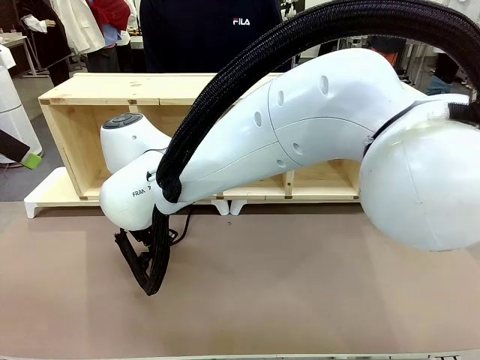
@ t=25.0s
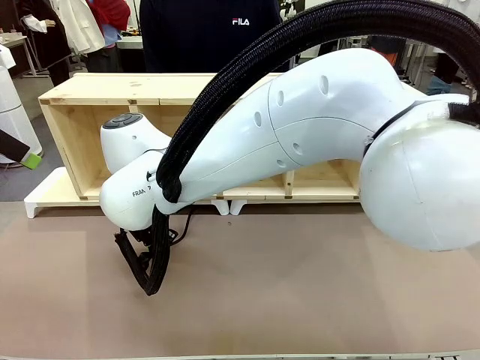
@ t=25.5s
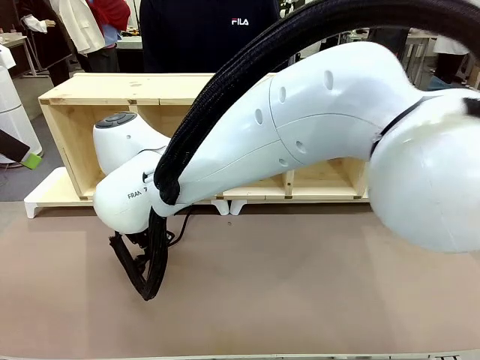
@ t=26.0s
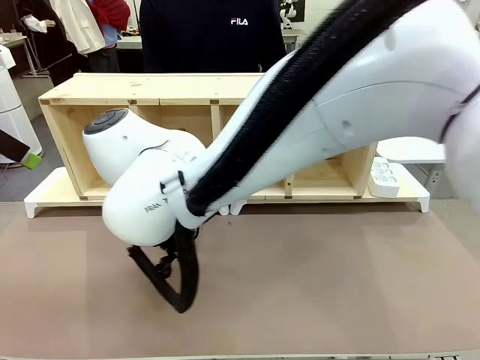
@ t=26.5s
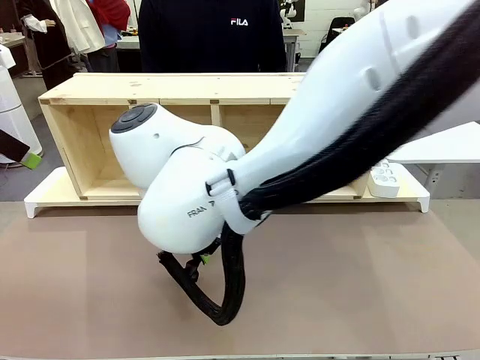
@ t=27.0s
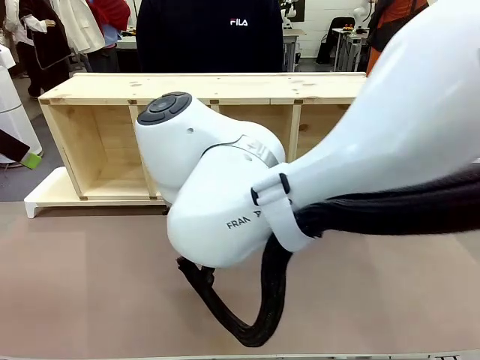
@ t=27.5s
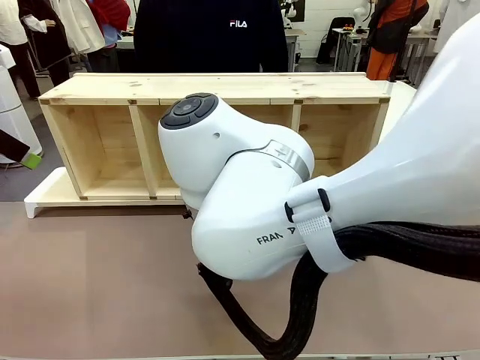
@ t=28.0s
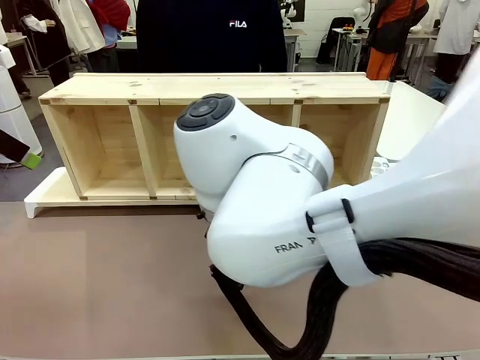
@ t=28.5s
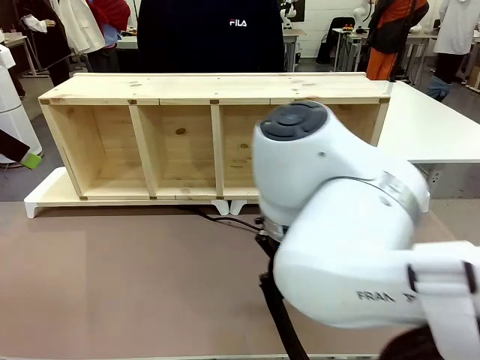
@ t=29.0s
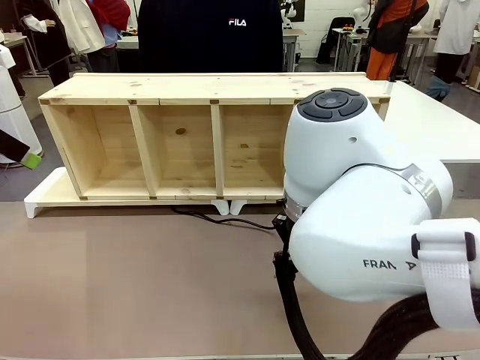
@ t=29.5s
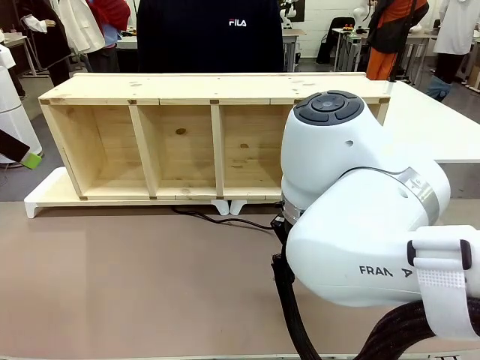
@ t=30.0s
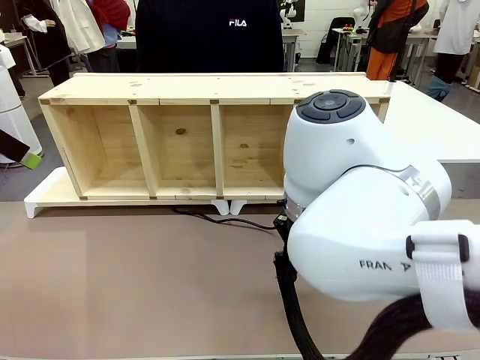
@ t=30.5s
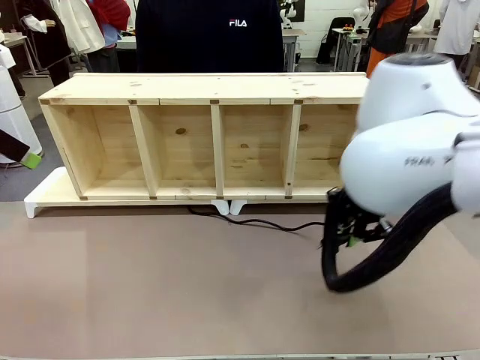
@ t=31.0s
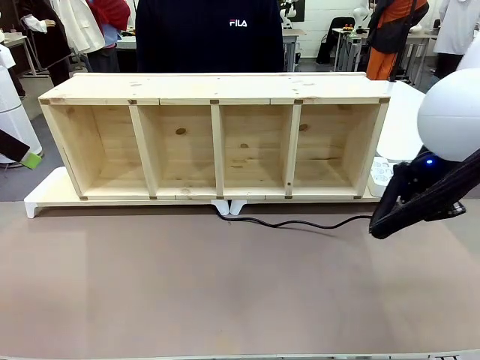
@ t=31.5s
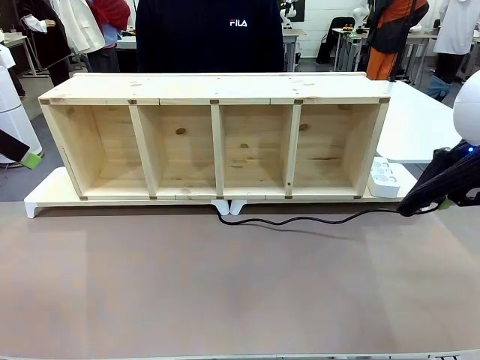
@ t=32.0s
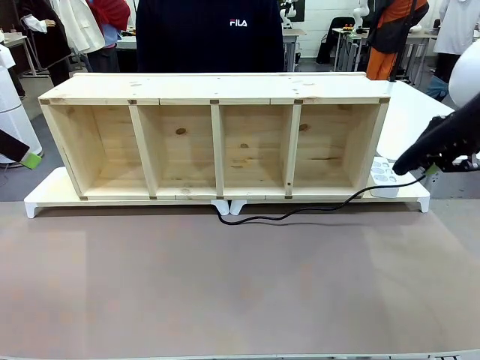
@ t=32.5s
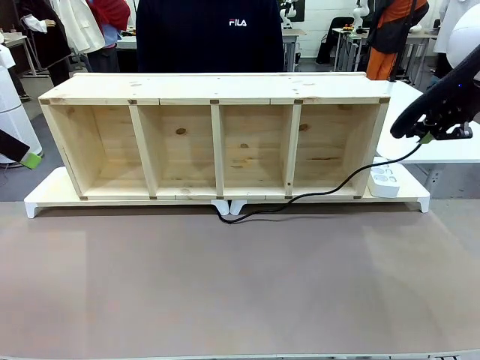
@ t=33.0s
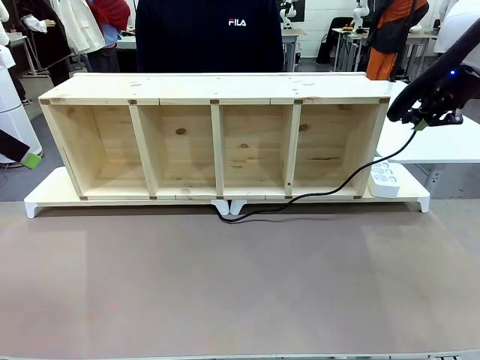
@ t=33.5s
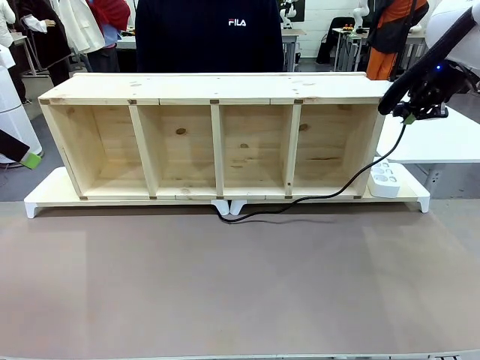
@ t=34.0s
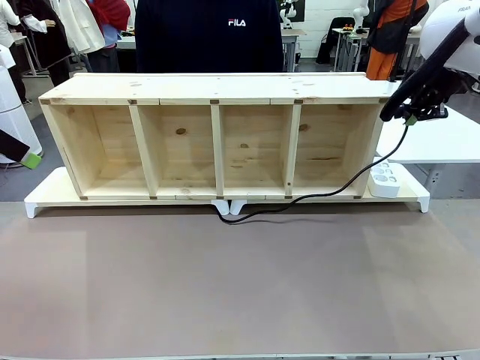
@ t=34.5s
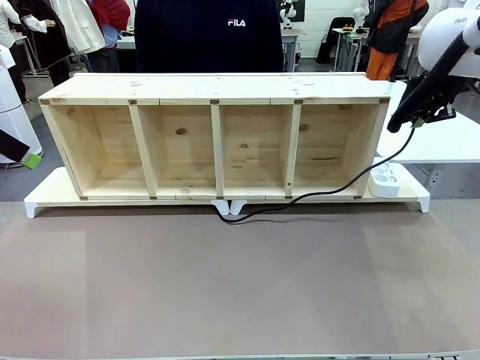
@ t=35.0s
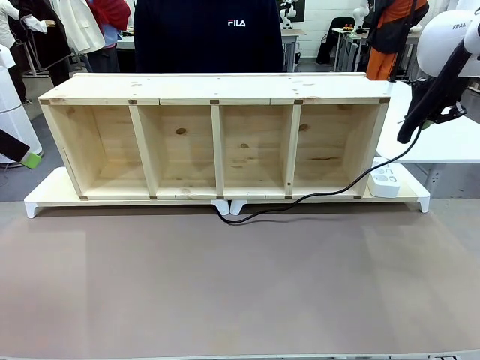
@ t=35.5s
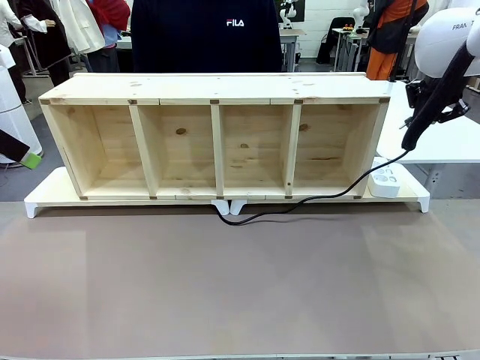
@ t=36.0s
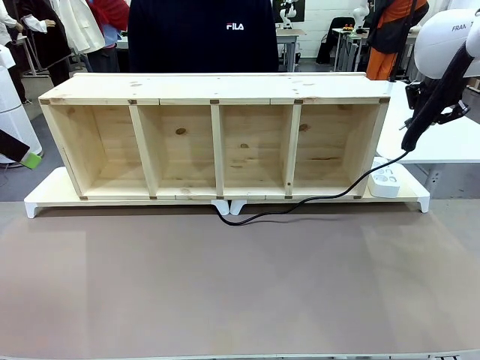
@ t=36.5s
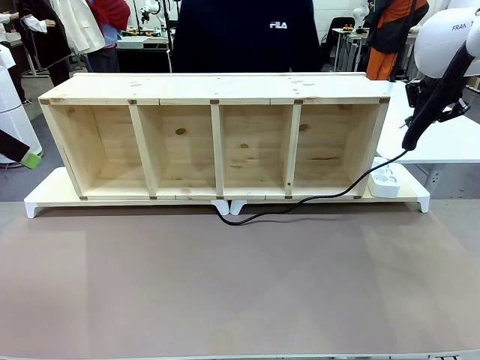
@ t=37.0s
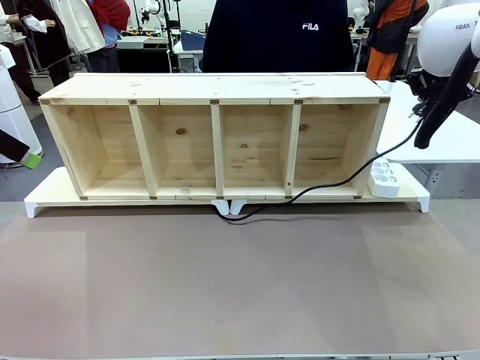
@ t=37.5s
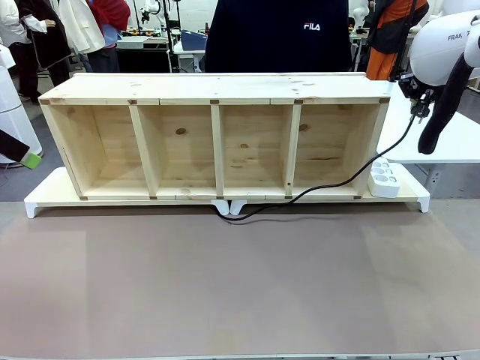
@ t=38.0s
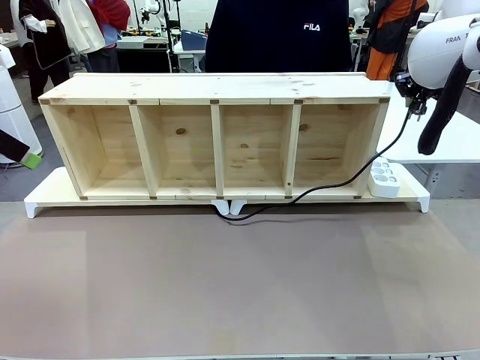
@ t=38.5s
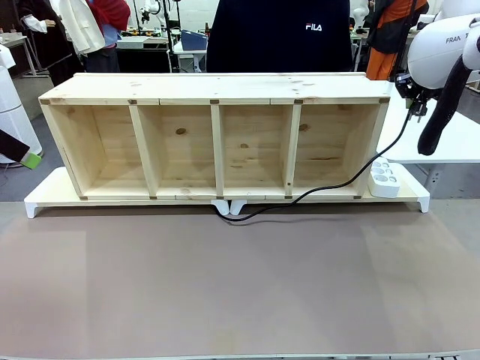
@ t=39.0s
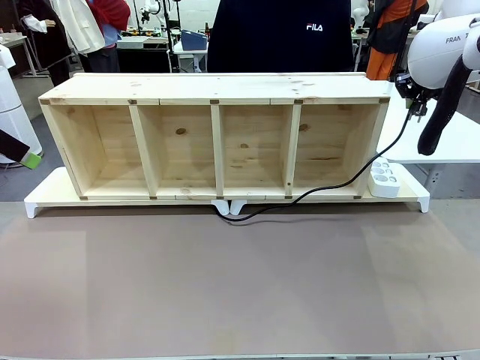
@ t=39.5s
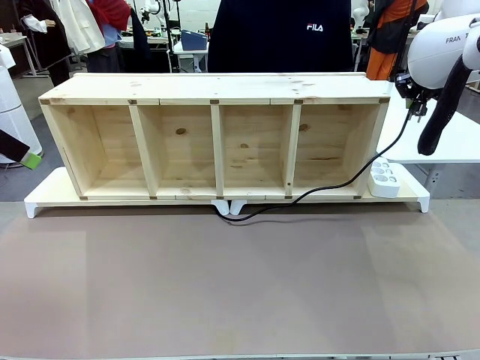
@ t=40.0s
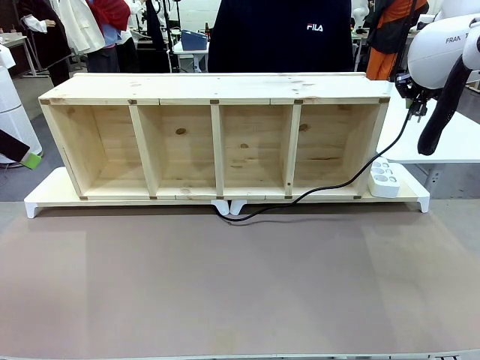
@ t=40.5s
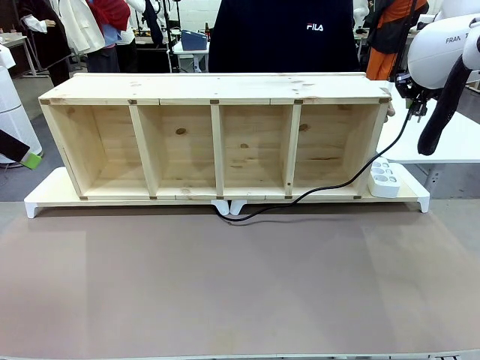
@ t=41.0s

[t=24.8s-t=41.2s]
Task: Perform cable management.
Robot: Pull the grasped Power Cable to the location of the Power Strip.

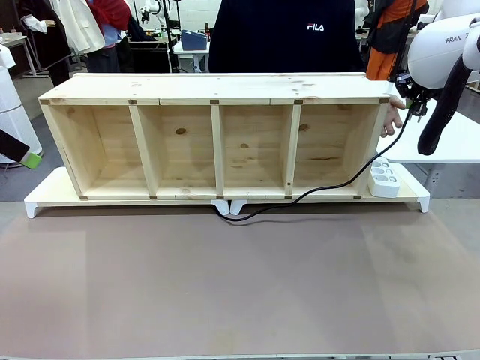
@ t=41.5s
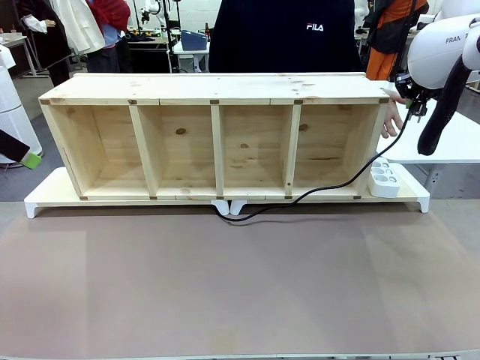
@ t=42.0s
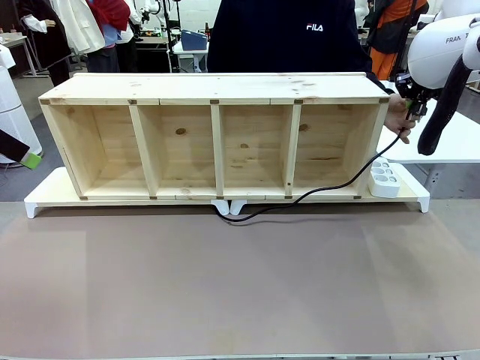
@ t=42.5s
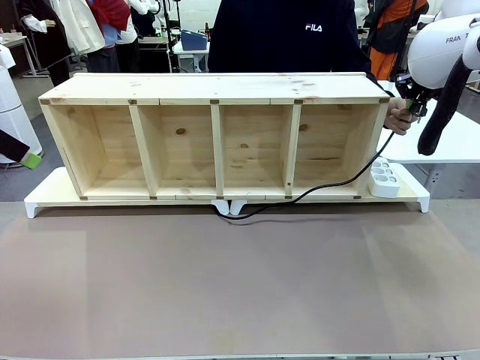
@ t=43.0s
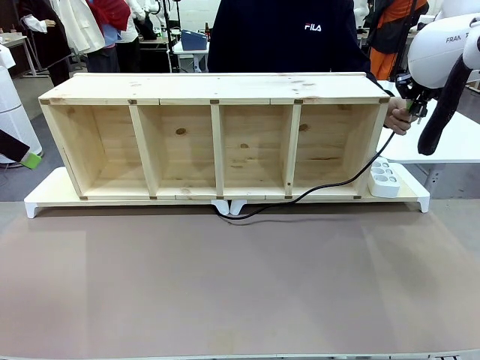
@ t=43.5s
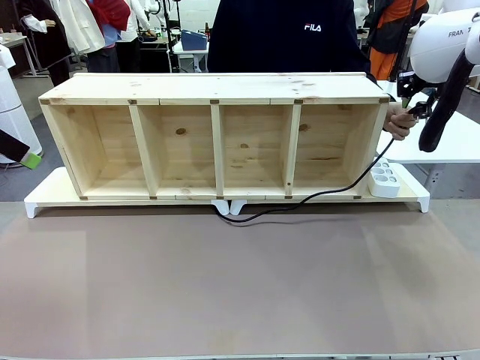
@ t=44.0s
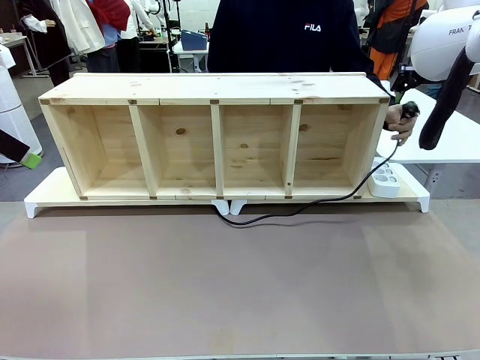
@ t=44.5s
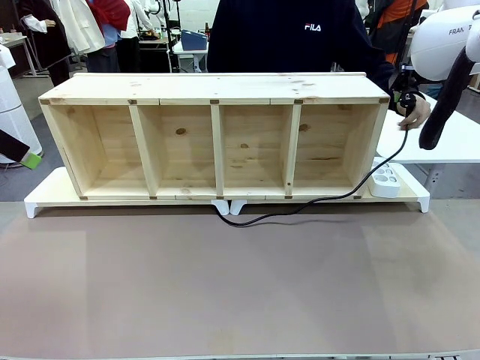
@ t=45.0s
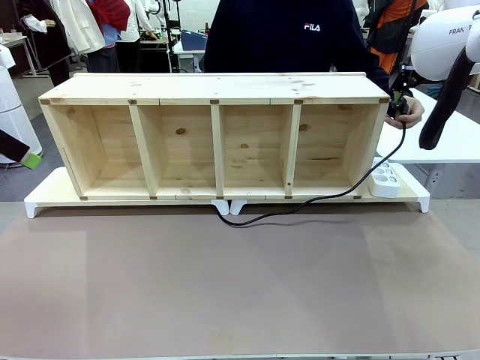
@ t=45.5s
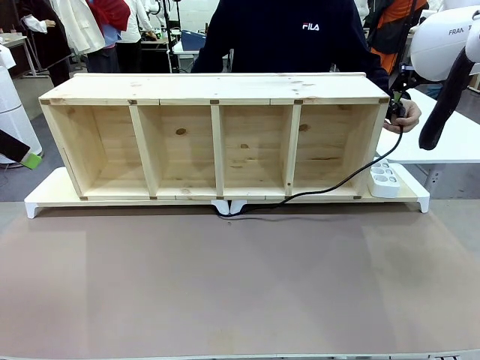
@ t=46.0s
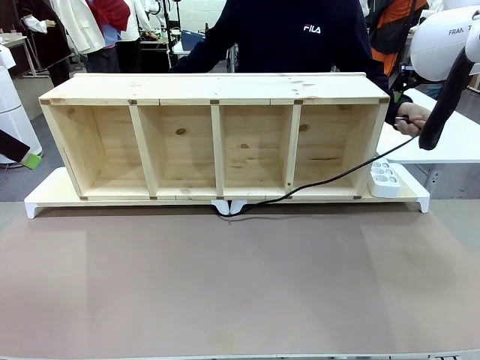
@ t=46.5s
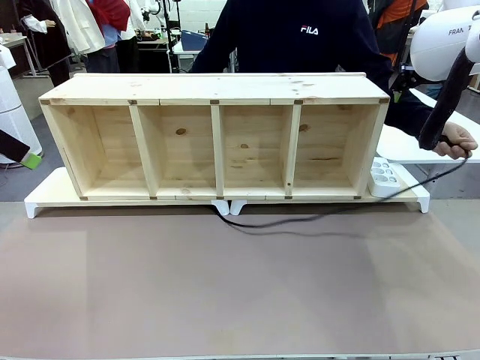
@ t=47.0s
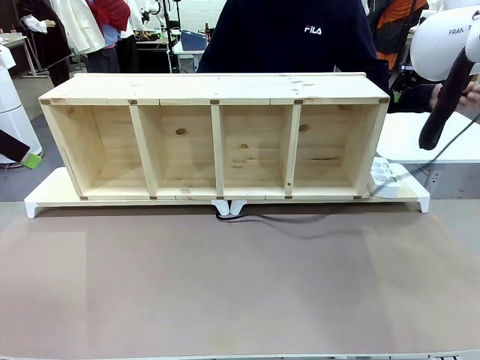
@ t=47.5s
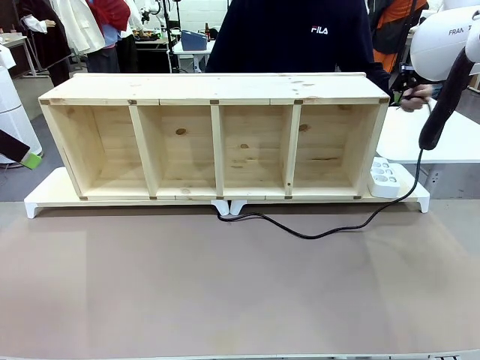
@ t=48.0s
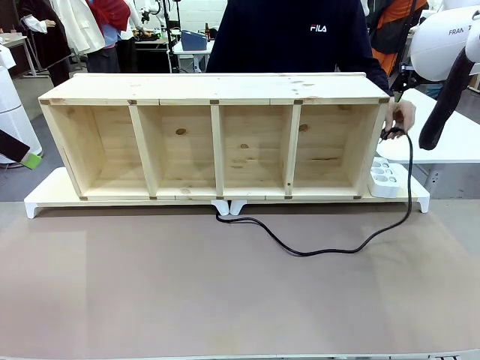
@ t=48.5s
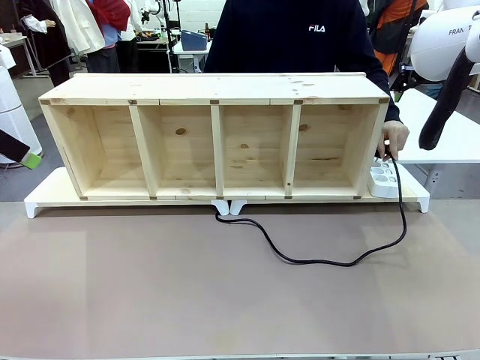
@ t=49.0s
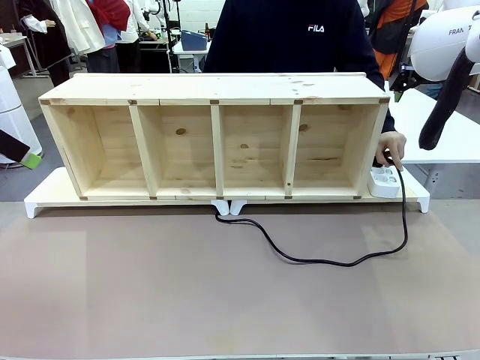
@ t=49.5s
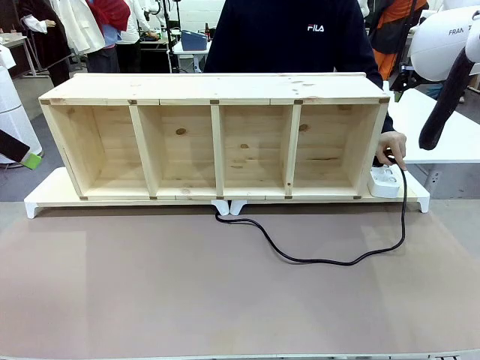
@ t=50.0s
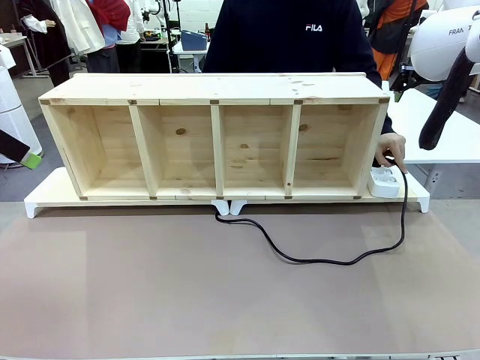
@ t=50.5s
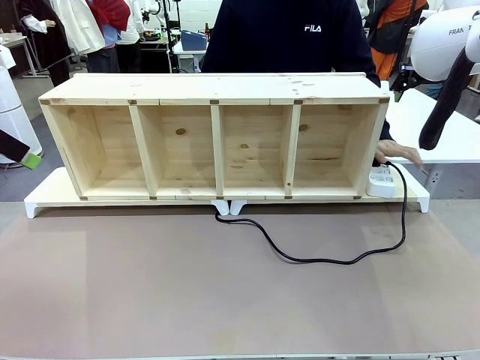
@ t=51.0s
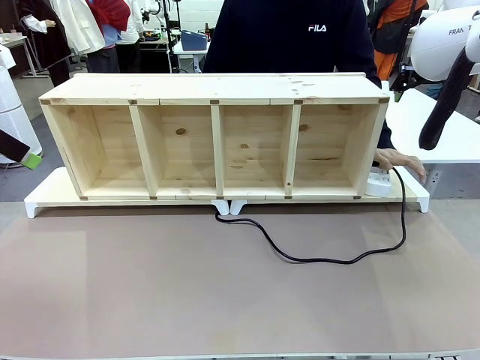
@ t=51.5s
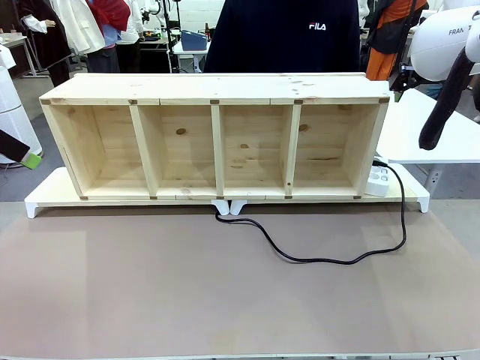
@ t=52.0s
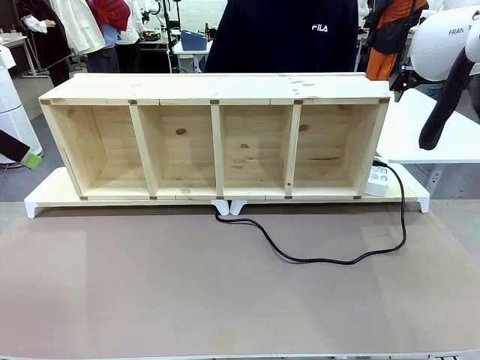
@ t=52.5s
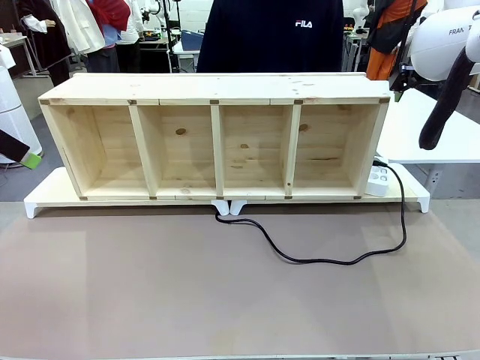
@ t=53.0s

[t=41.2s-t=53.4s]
Robot: Release the Power Cable when the human grasps it.
Person: Plug the Power Cable into the Power Strip.
